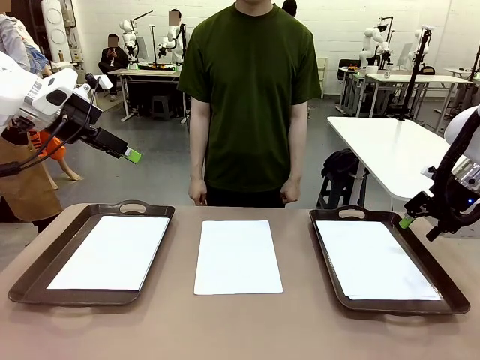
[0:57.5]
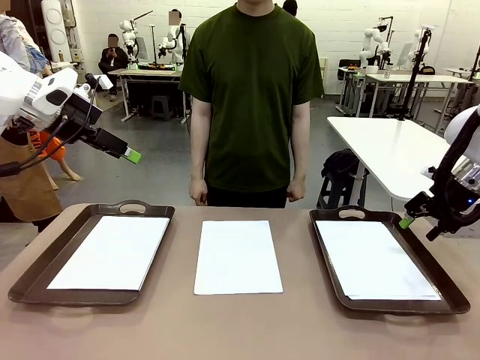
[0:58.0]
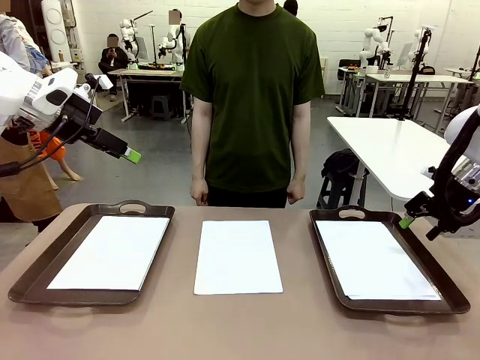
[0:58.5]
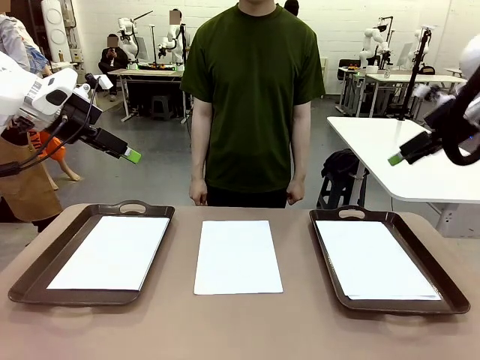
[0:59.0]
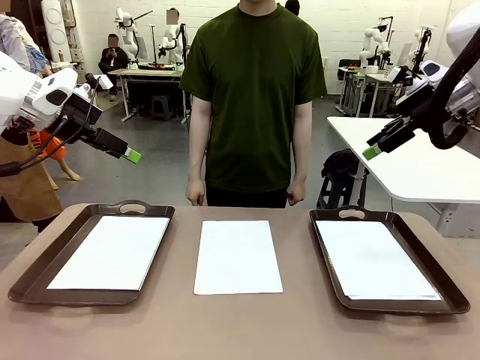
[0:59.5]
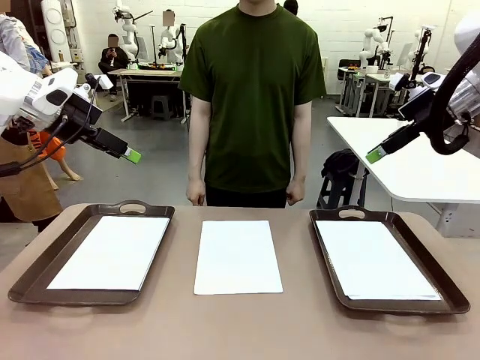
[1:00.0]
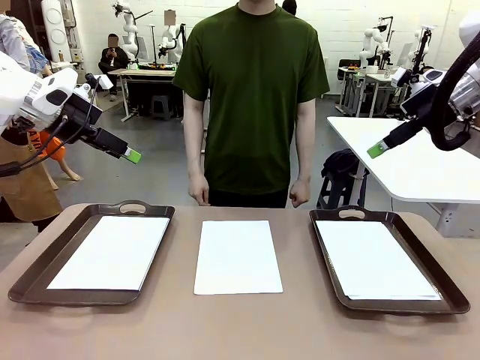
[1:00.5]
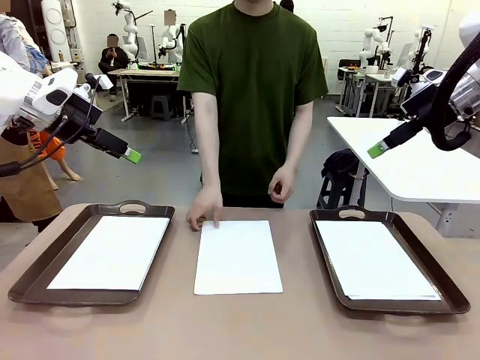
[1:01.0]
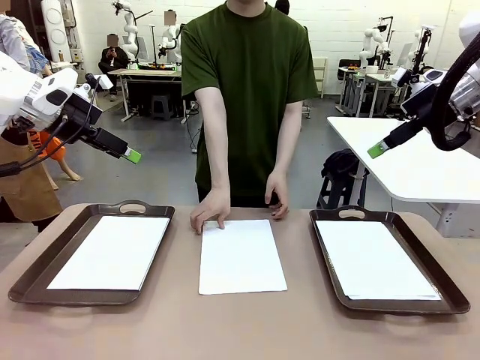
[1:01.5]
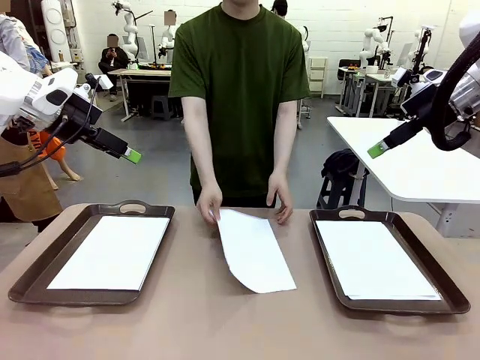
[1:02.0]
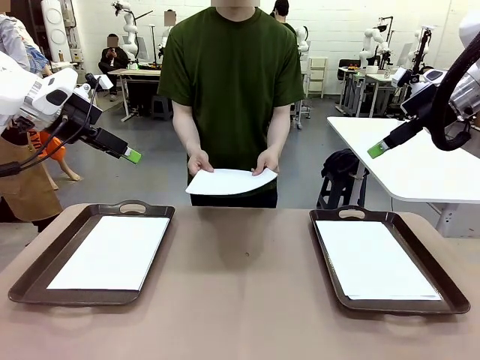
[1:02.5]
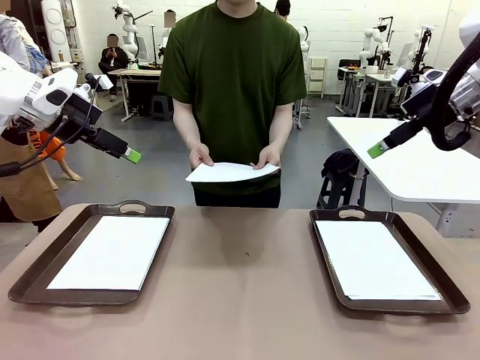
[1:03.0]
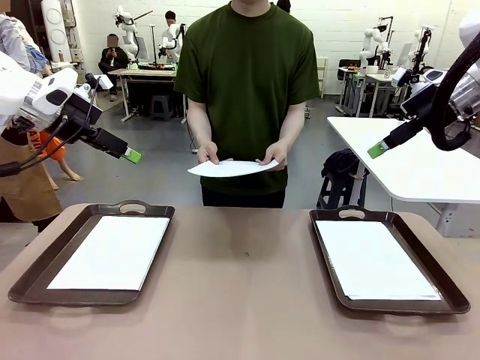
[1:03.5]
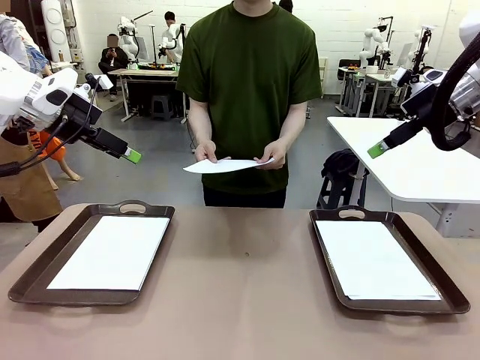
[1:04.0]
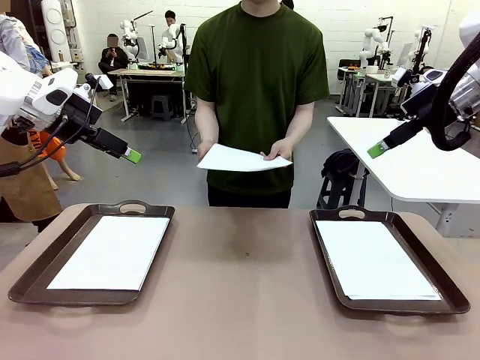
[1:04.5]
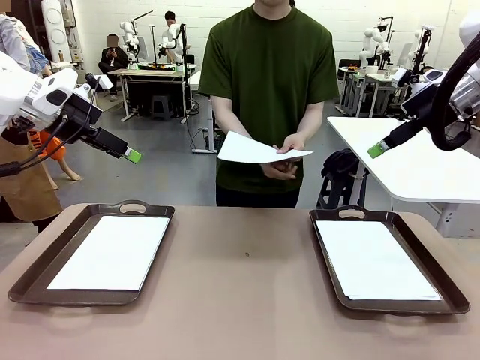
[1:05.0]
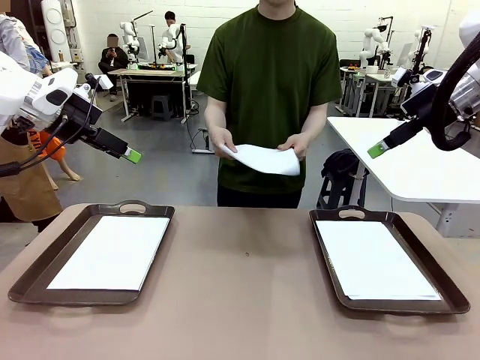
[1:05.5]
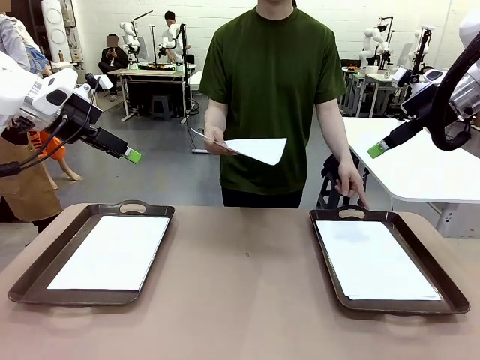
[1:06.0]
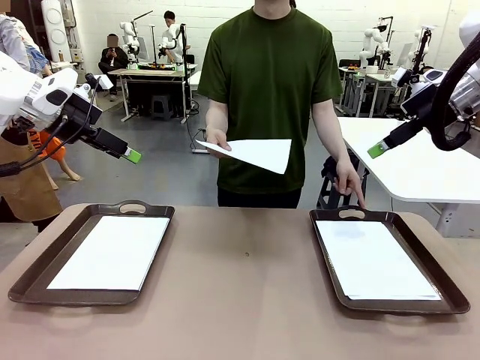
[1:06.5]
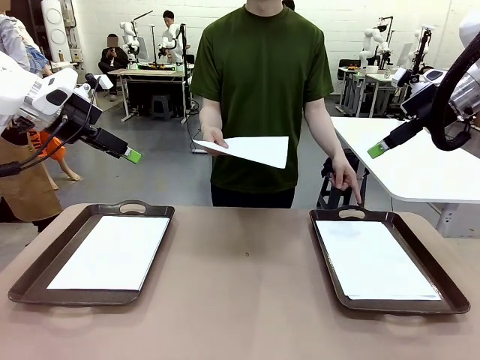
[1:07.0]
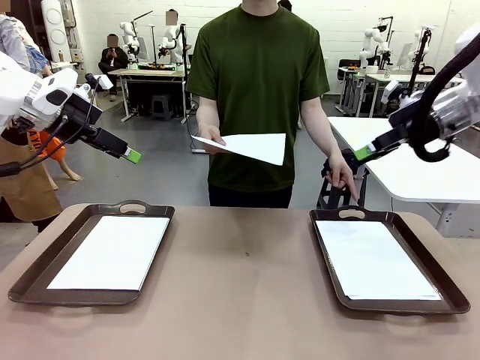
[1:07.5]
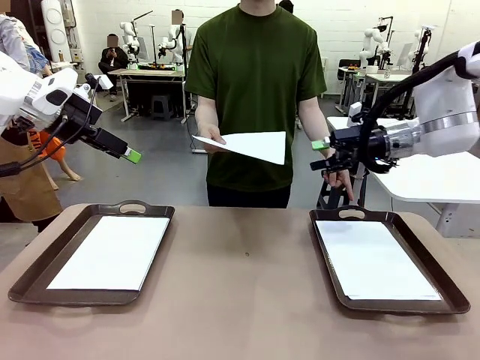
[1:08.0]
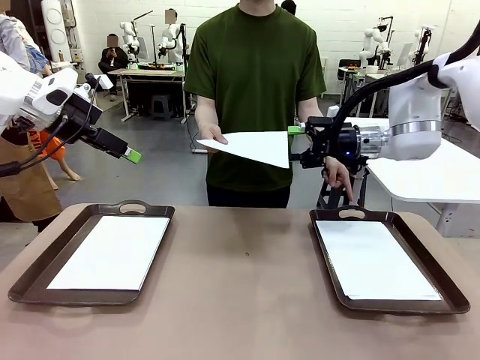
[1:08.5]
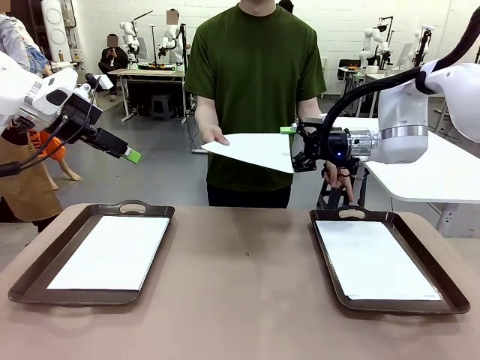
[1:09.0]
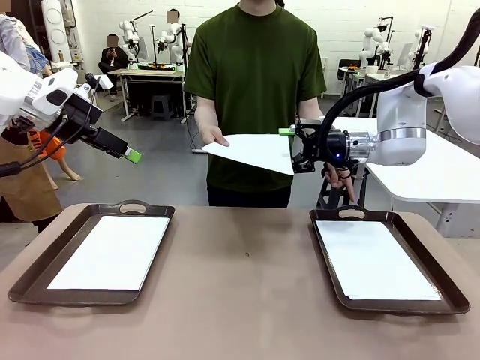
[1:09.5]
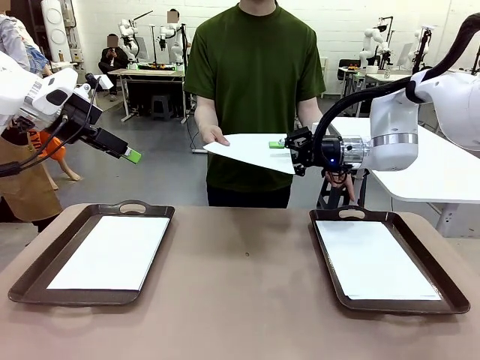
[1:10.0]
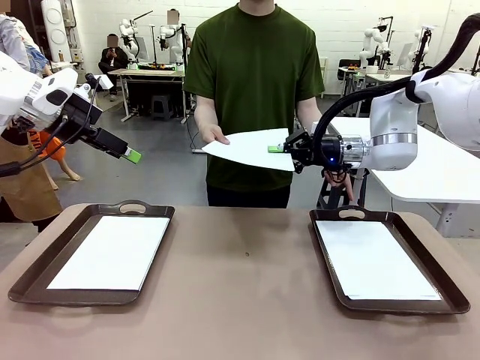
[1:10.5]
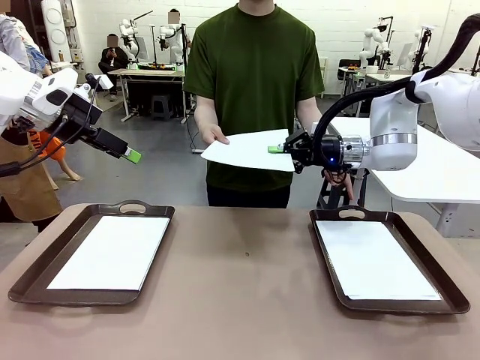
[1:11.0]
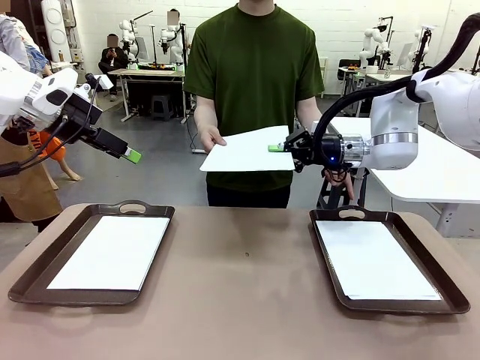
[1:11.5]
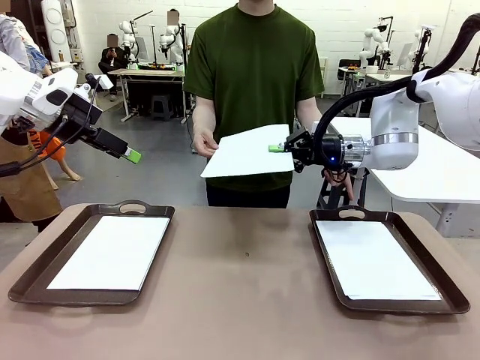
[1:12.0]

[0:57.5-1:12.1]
Task: Sort the A4 documents.
Robot: Receive the A4 Paper.
Person: Point the randomly selected tray with the other hand.

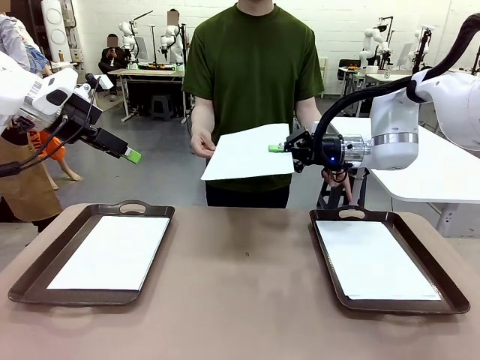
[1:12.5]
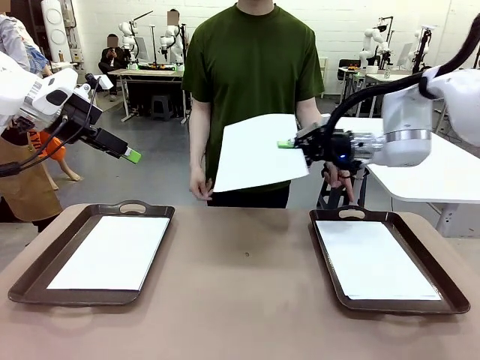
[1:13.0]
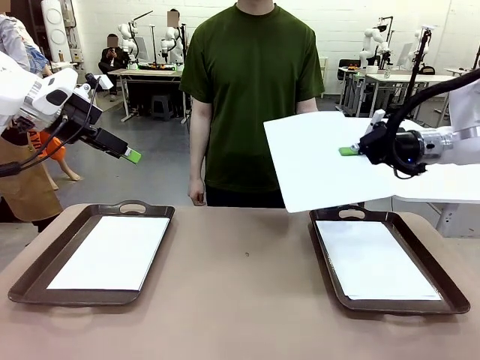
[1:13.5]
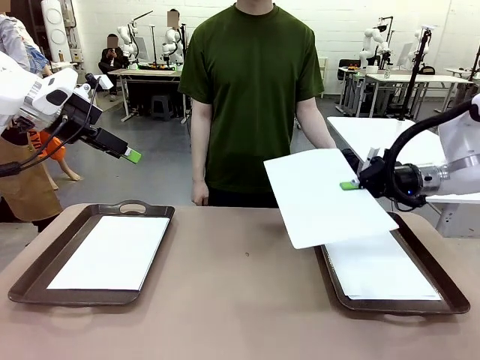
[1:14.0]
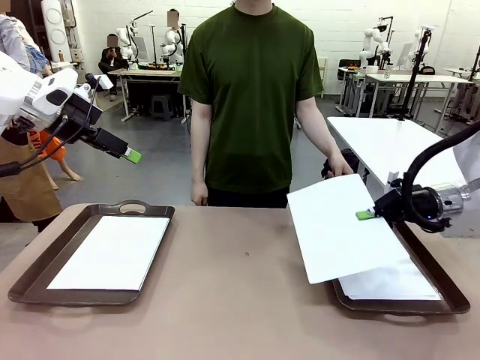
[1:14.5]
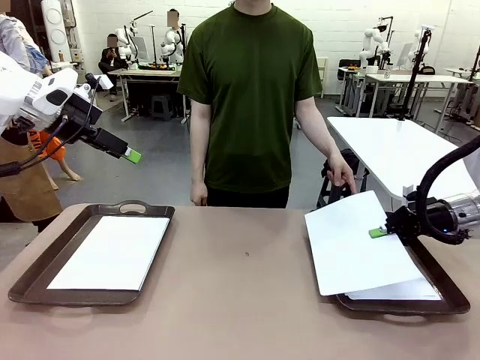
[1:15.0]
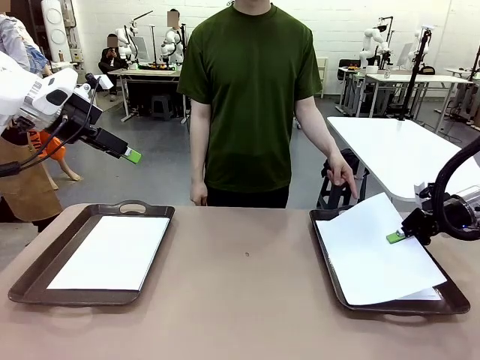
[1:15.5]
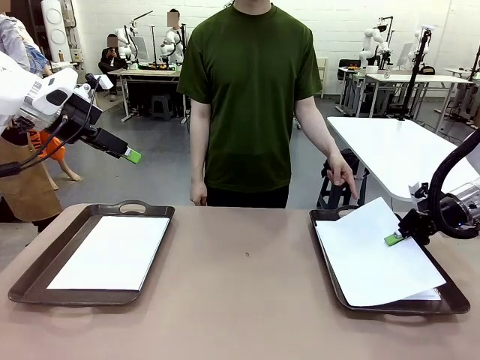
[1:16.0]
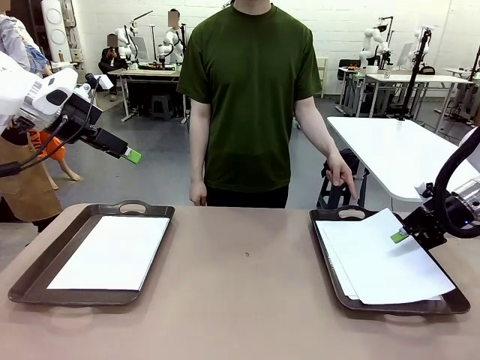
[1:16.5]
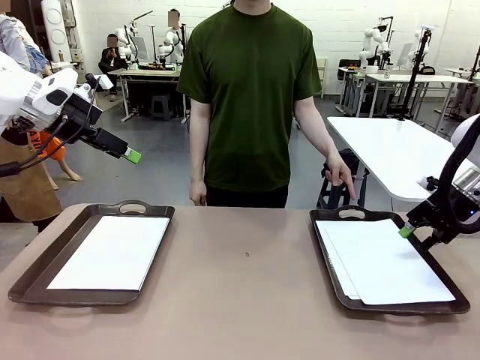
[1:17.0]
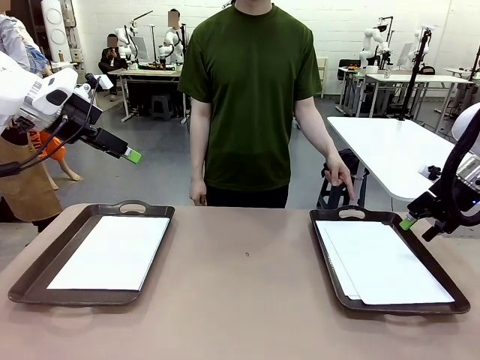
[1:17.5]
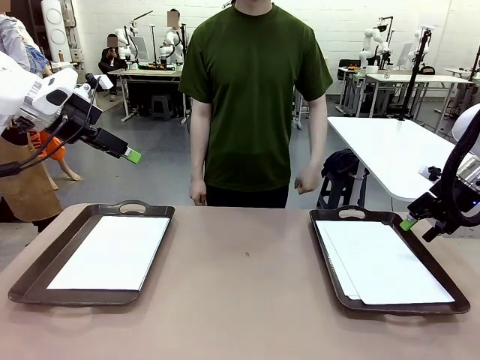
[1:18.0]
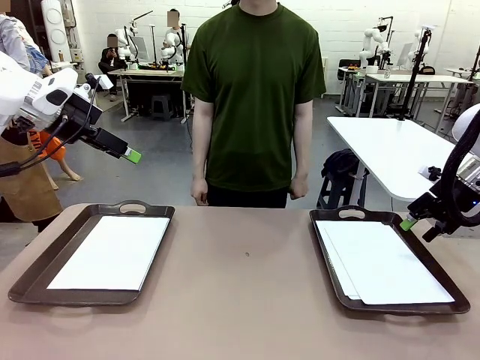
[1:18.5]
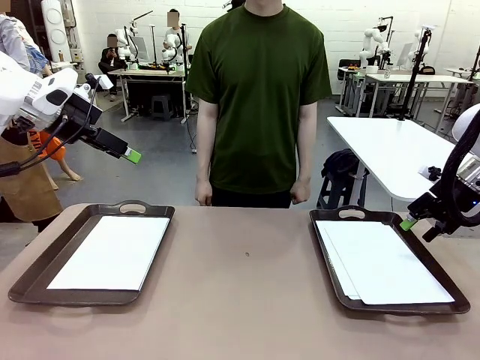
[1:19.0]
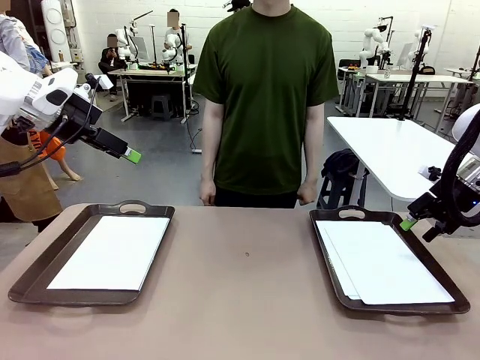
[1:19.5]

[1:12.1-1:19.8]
Robot: Place the A4 Paper in the designated Handle tray.

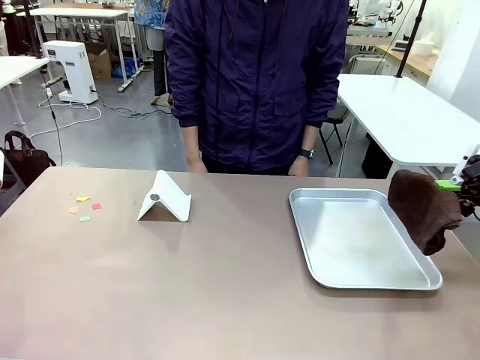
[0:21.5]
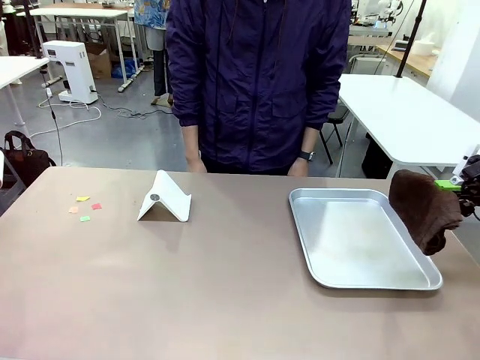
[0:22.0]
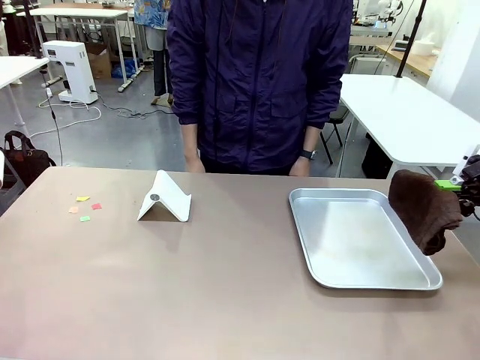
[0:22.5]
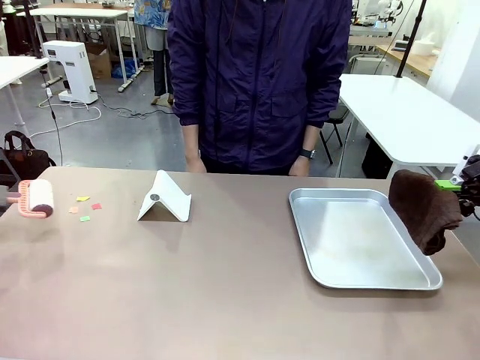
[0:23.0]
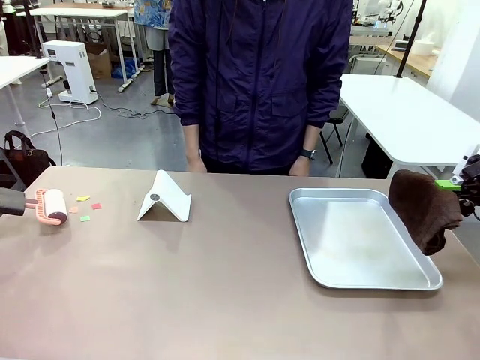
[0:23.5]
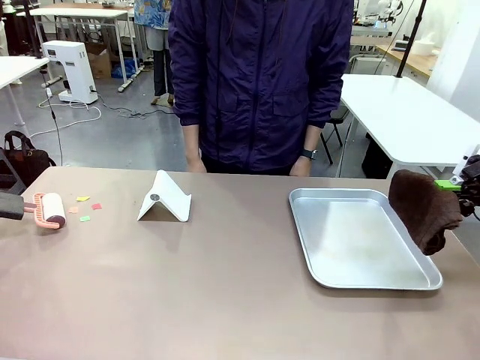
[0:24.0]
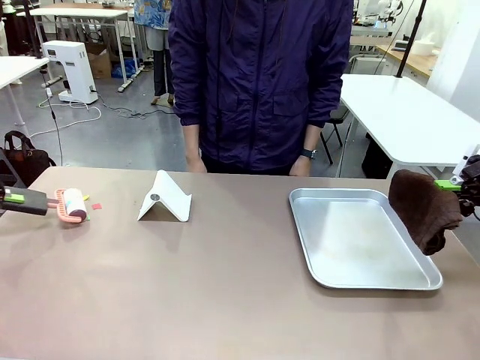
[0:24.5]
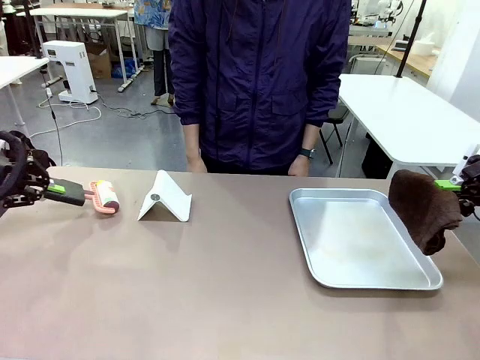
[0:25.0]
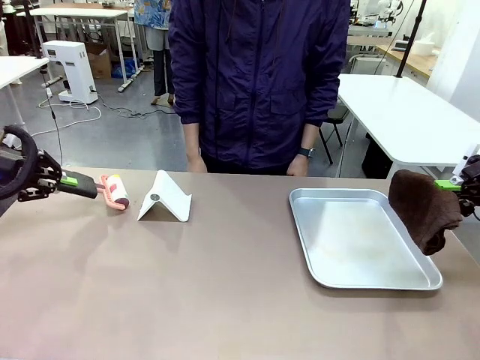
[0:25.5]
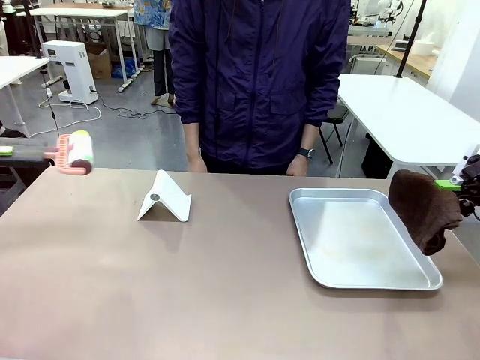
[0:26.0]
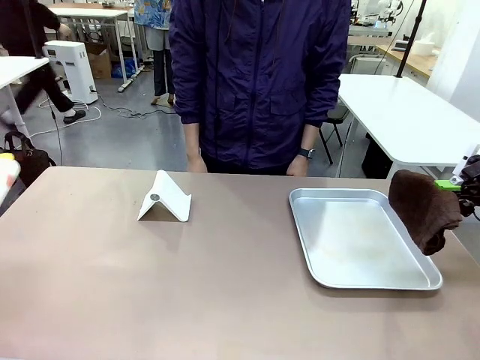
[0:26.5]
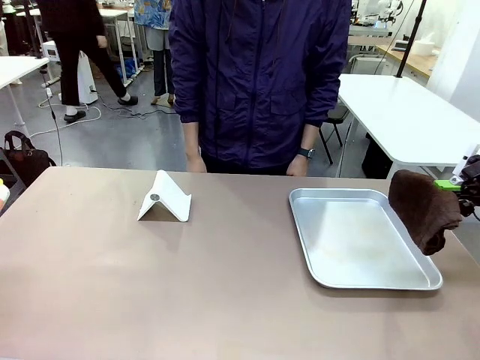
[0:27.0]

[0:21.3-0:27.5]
Task: Clean the surface of the table.
Robot: Clean the area not pointed to by the person.
